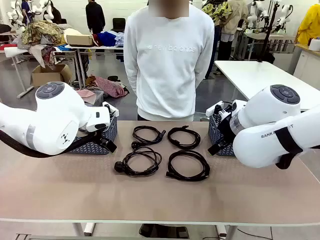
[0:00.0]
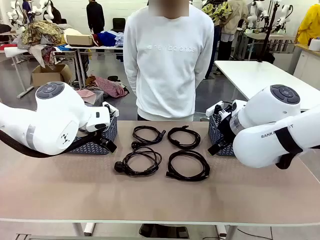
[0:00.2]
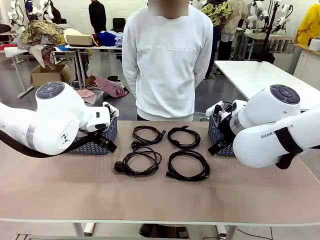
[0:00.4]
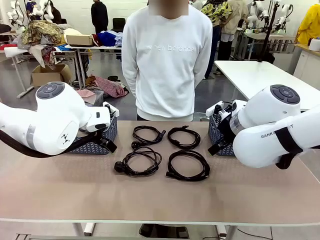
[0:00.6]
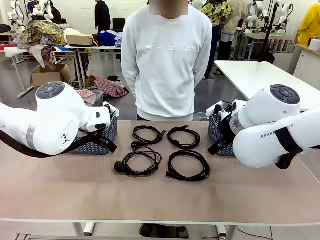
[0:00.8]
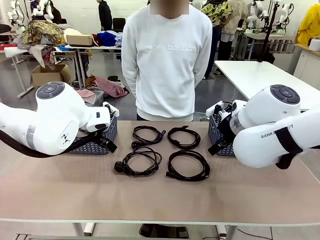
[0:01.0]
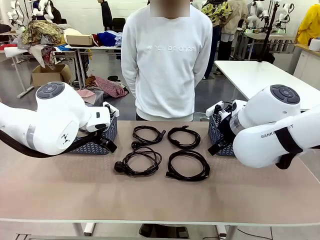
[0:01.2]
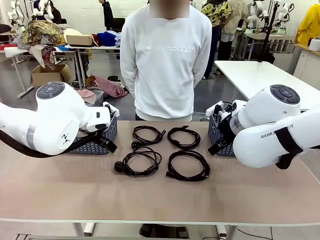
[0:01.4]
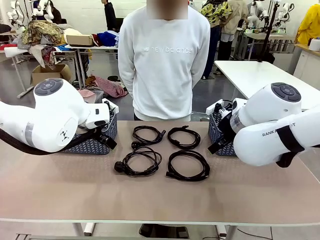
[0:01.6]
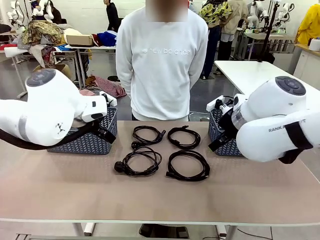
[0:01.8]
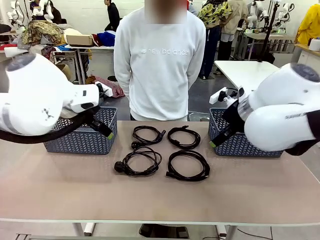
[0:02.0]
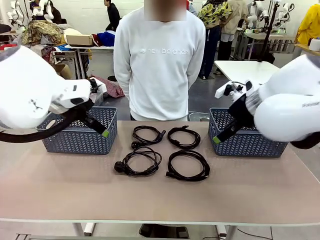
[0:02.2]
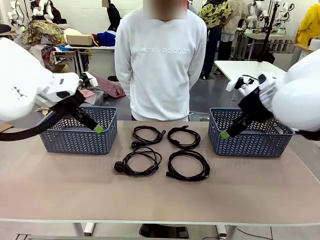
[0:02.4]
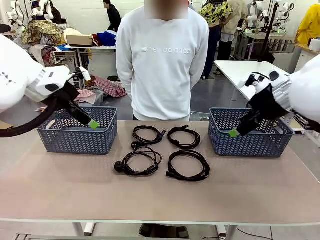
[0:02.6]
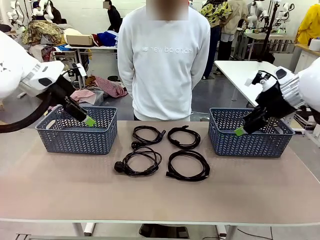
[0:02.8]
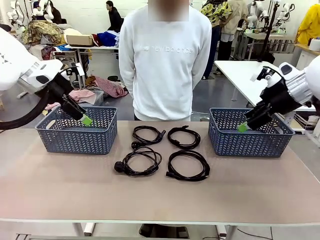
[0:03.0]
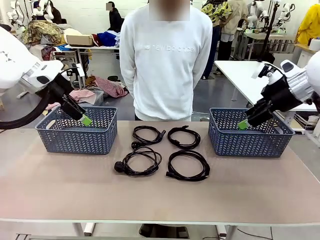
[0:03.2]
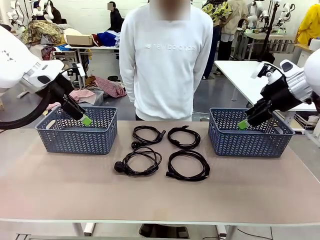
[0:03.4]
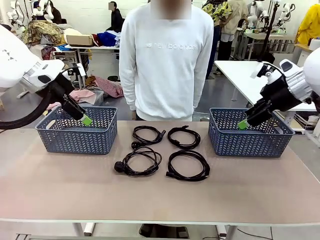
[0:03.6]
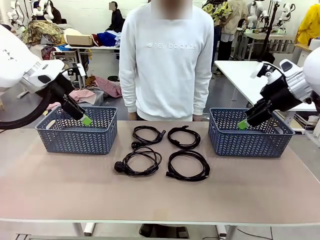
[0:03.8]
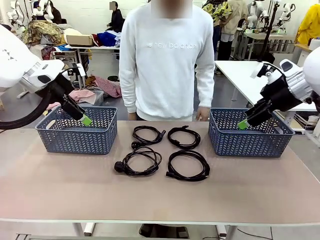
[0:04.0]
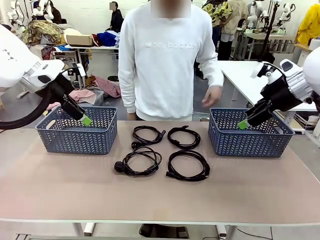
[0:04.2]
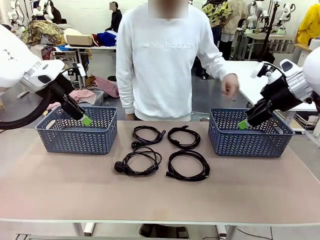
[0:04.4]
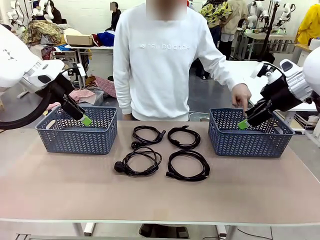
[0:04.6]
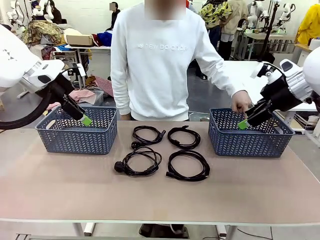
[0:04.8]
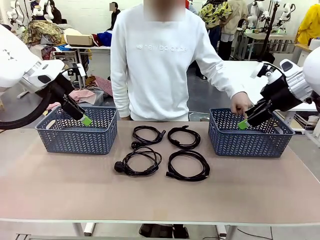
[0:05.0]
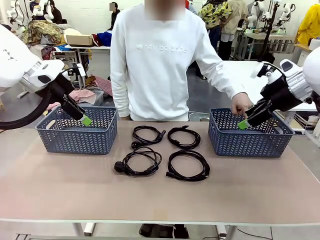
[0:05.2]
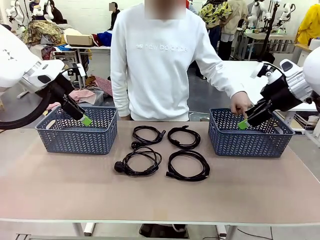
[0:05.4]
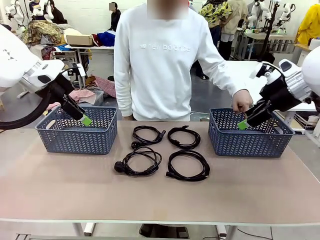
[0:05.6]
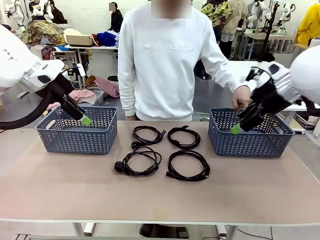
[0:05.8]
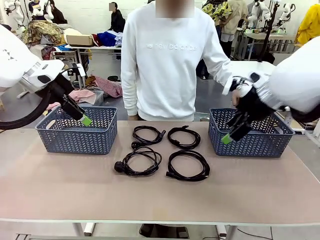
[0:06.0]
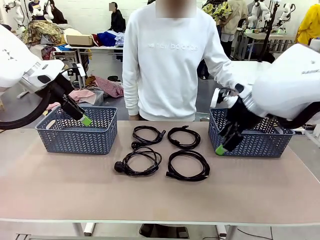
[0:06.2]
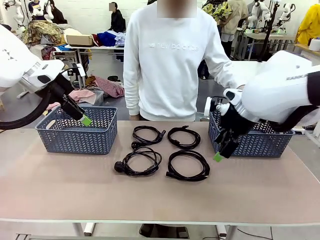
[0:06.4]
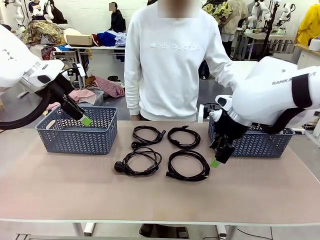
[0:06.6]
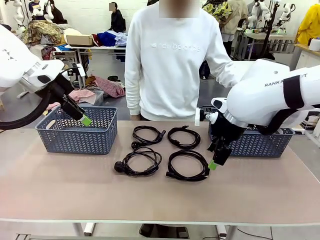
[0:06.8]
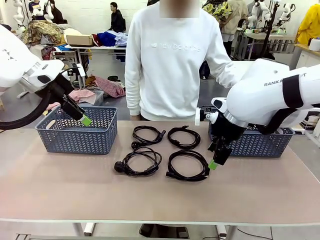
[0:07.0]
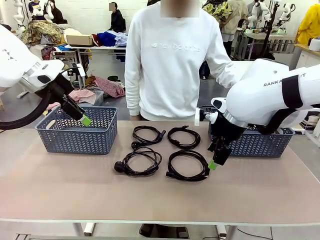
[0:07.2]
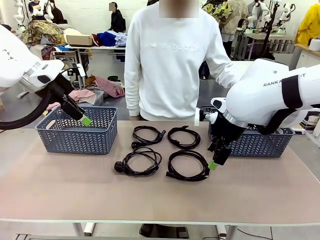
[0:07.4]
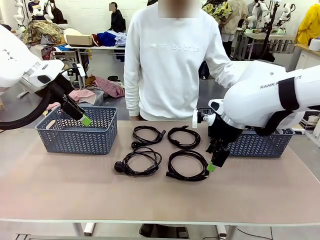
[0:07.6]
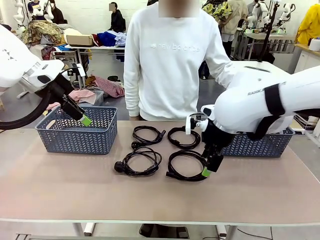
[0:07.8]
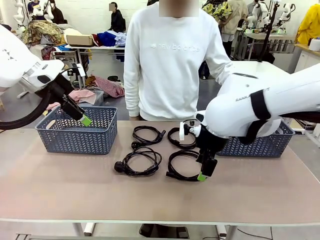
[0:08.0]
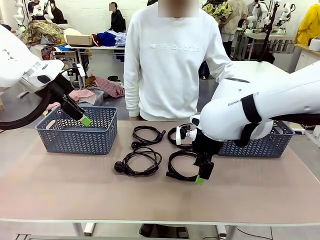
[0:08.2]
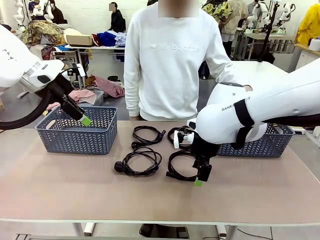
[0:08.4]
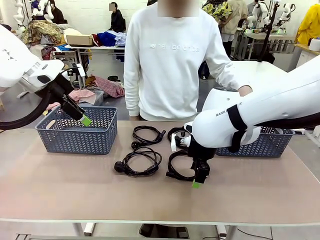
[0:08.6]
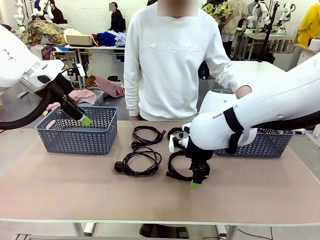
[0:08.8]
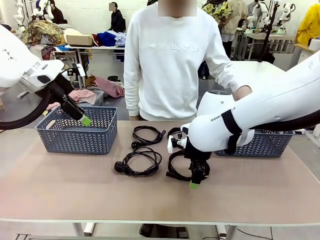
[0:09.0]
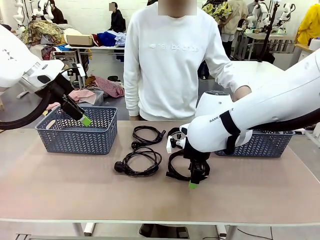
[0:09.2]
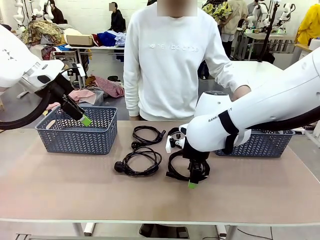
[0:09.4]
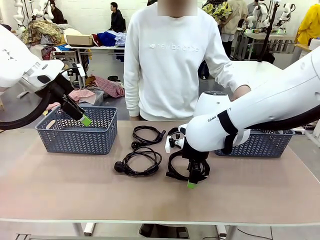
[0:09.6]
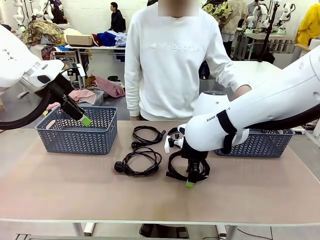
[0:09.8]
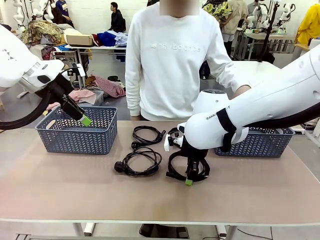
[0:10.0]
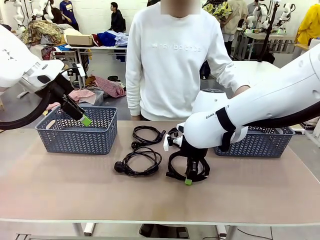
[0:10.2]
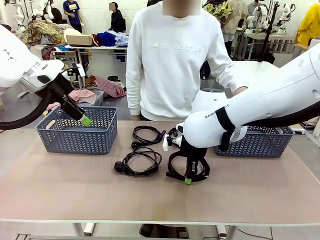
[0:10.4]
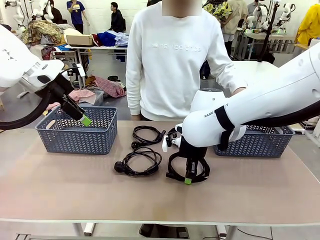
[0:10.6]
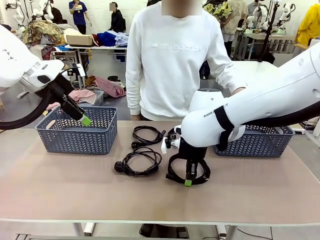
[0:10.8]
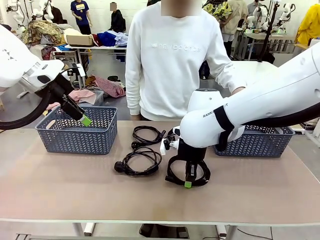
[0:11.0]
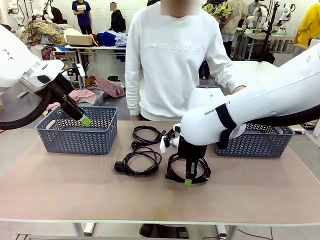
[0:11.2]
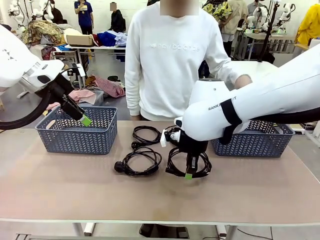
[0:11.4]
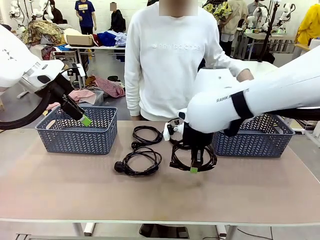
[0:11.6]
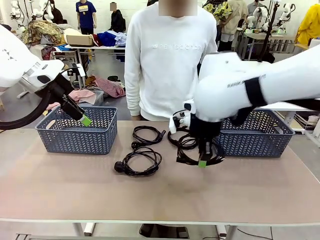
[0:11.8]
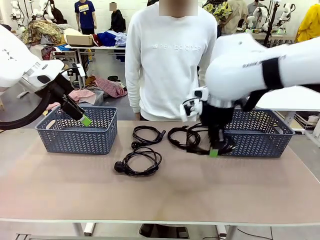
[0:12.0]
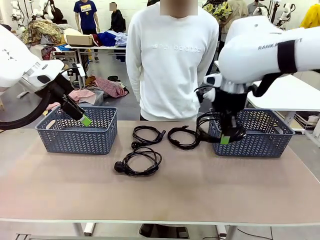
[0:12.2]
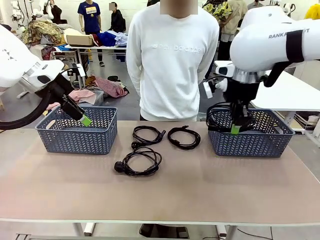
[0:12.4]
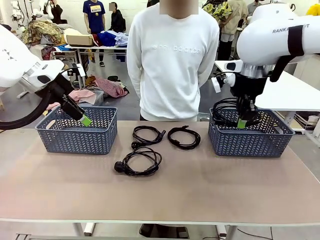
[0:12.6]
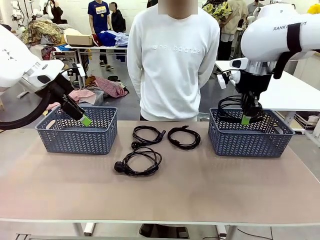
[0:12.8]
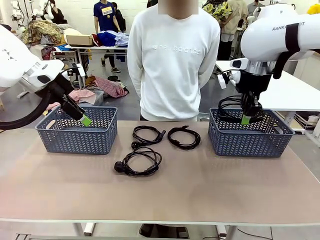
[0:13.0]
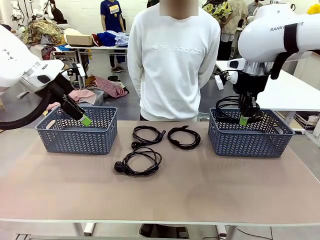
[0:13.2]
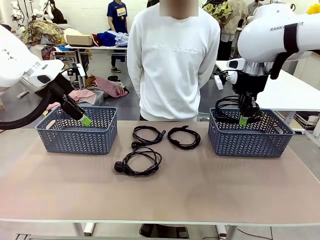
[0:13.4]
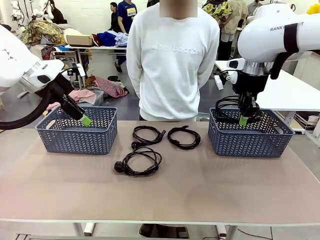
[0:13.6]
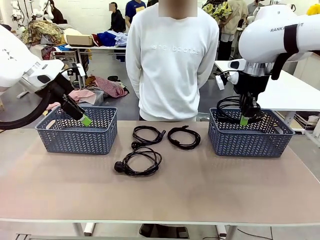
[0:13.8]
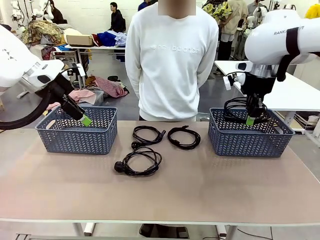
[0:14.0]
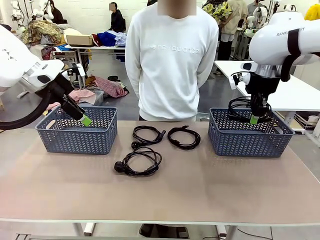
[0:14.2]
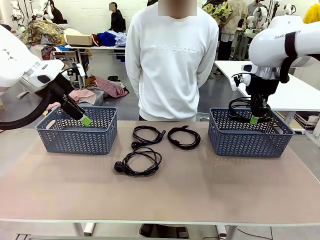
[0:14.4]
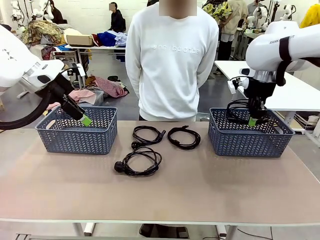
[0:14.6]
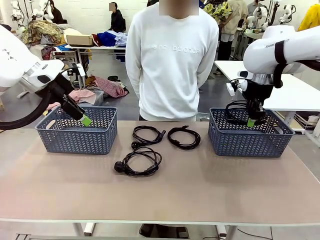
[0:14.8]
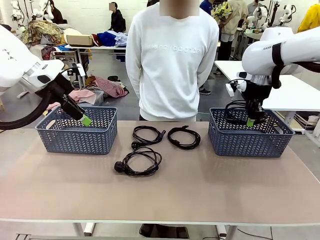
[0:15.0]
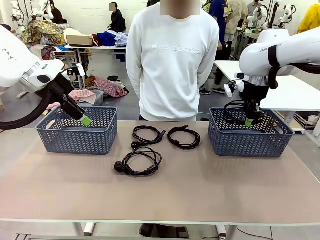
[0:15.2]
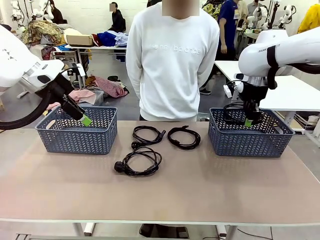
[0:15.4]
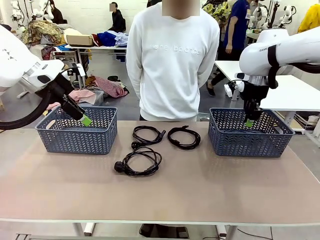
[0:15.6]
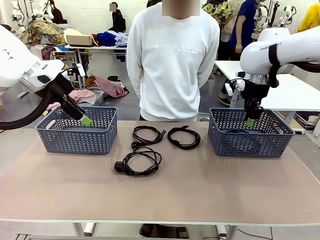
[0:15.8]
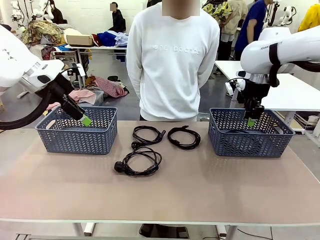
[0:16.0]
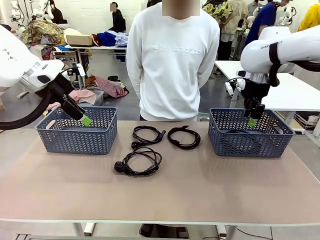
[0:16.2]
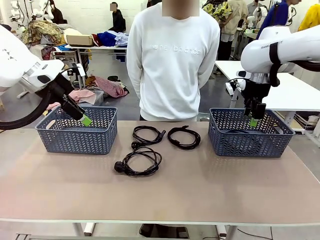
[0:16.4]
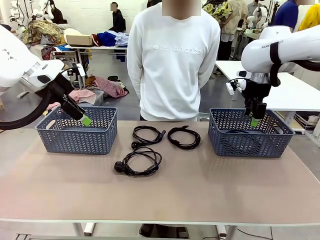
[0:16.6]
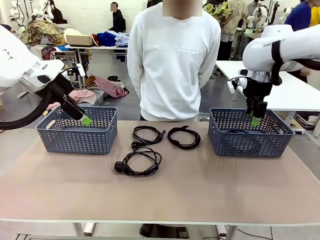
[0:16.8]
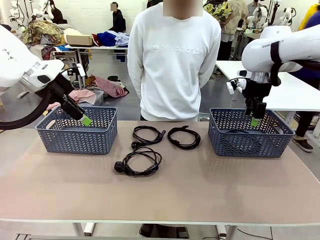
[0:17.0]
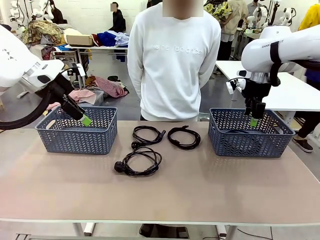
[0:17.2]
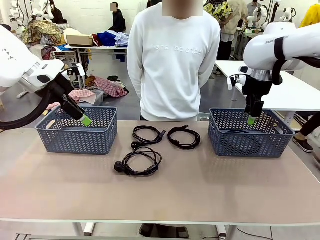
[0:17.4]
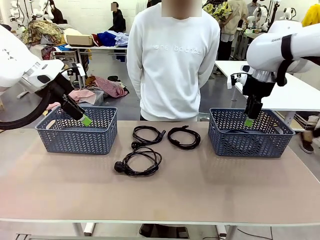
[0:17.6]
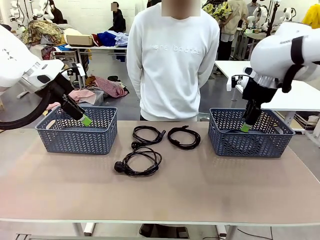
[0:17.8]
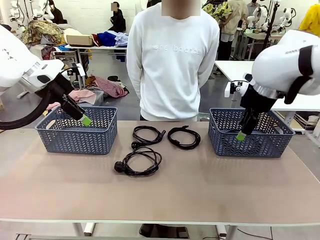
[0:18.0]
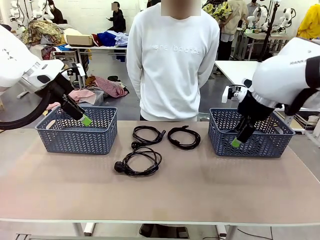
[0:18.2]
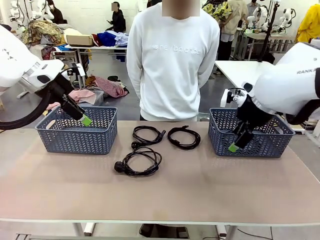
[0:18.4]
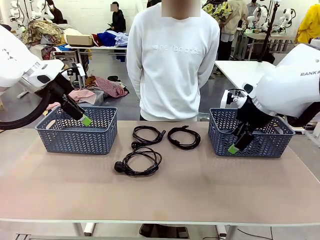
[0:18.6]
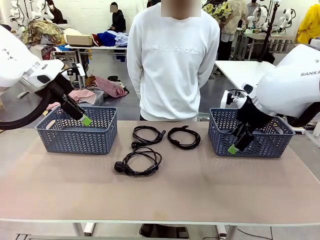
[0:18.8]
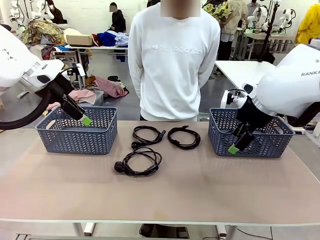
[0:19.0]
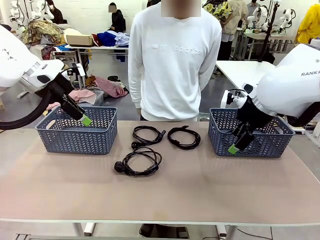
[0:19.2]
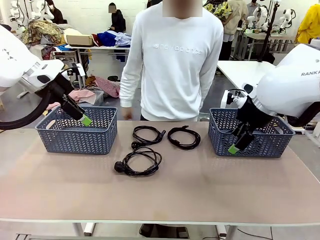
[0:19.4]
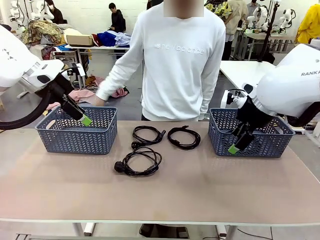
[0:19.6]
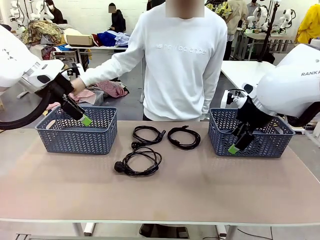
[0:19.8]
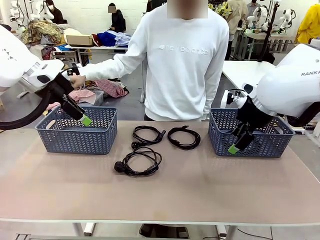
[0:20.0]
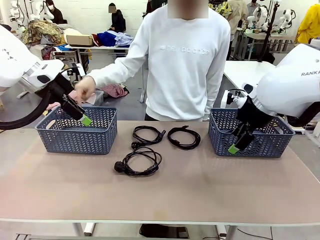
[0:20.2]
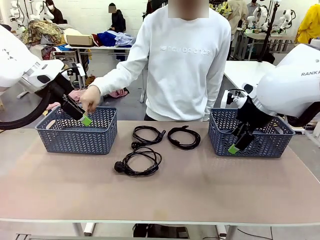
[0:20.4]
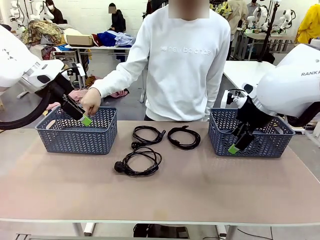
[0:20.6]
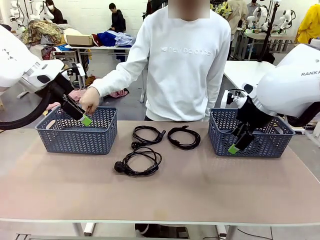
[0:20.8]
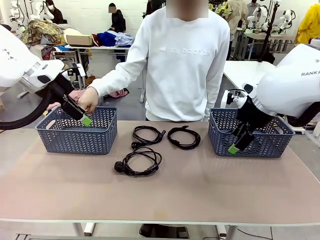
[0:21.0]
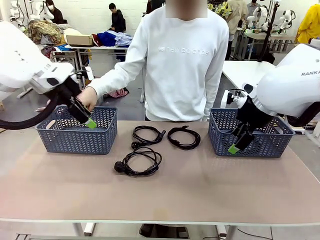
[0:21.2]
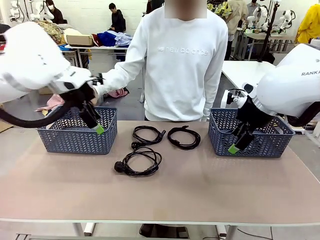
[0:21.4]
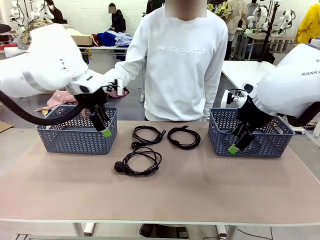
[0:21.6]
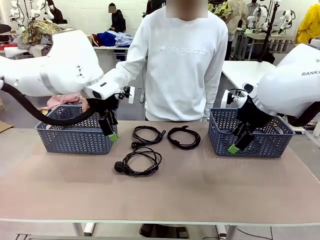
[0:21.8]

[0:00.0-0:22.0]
Task: Organize the cables according to human instructions.
Robot: Pick up a bundle of cables and place it in the basket indicated by the human.
